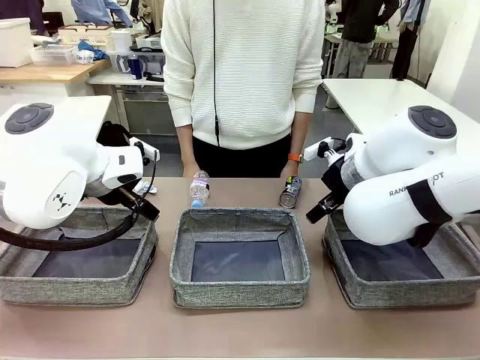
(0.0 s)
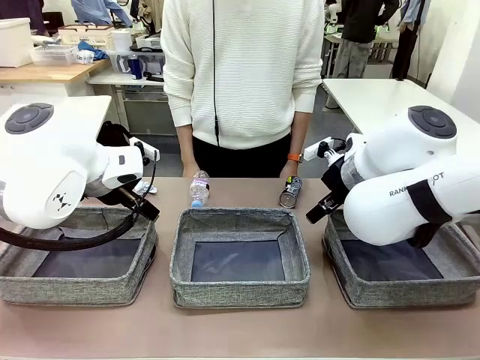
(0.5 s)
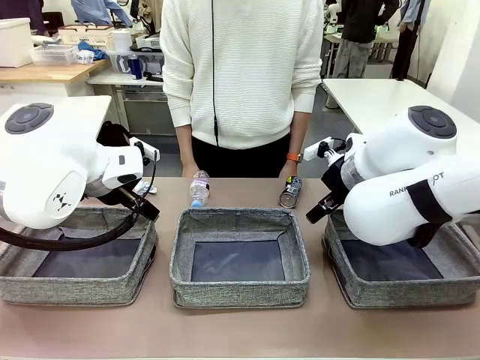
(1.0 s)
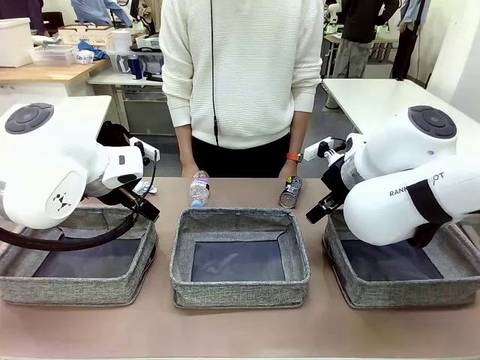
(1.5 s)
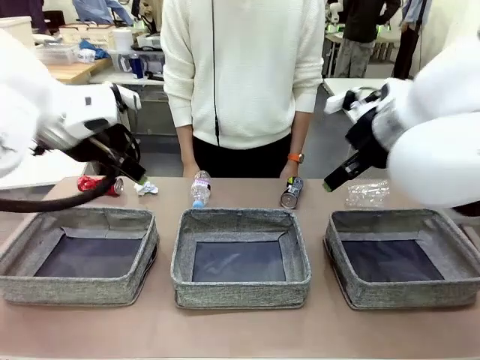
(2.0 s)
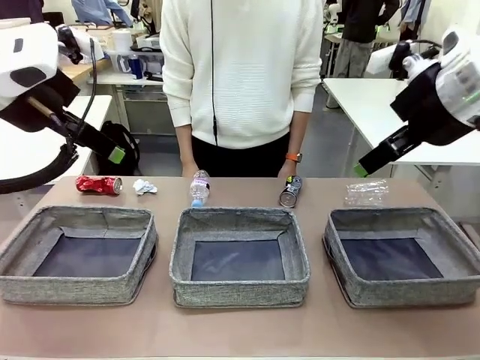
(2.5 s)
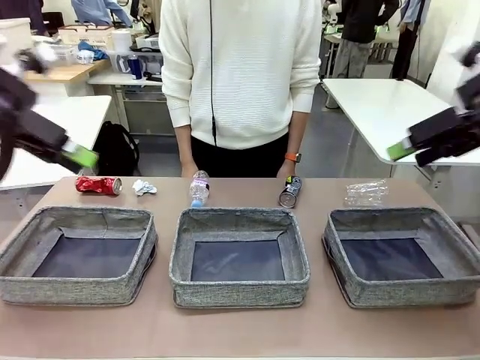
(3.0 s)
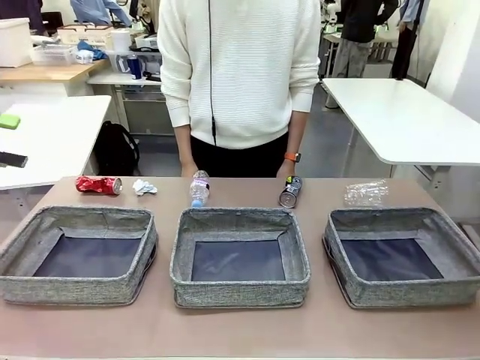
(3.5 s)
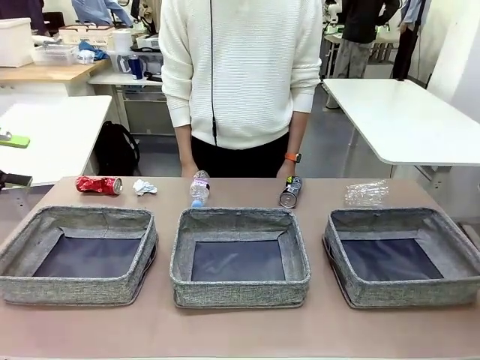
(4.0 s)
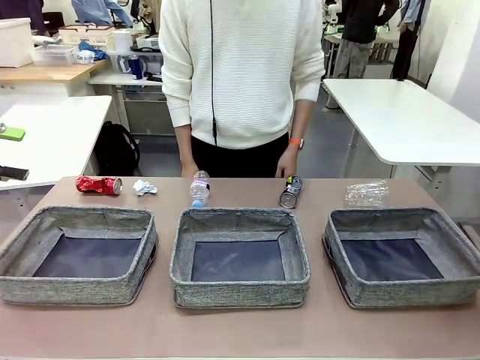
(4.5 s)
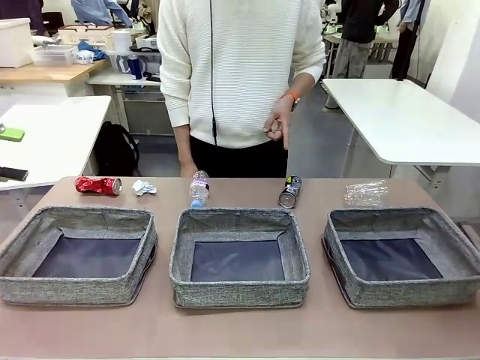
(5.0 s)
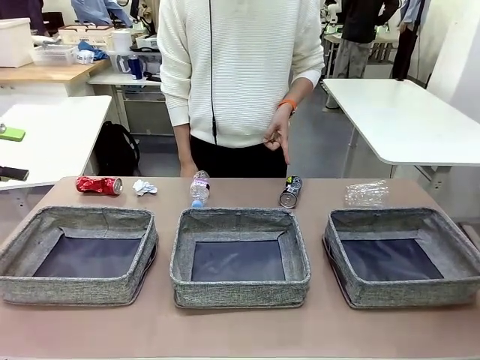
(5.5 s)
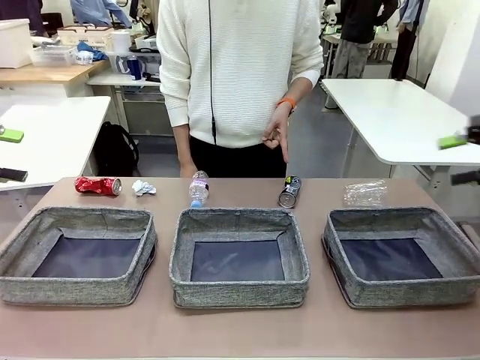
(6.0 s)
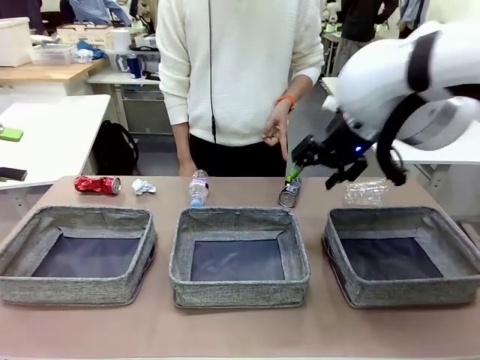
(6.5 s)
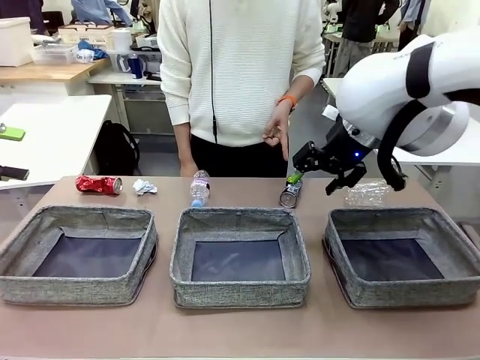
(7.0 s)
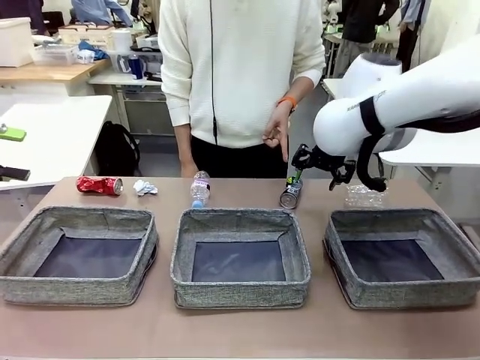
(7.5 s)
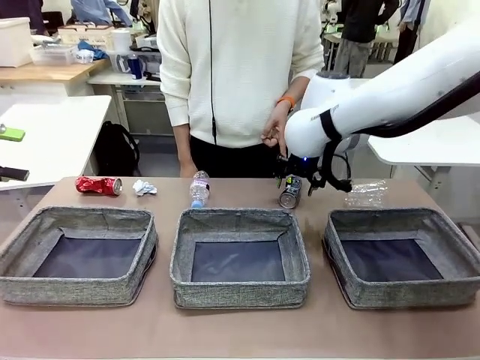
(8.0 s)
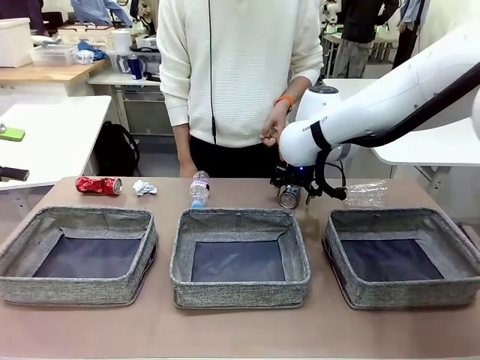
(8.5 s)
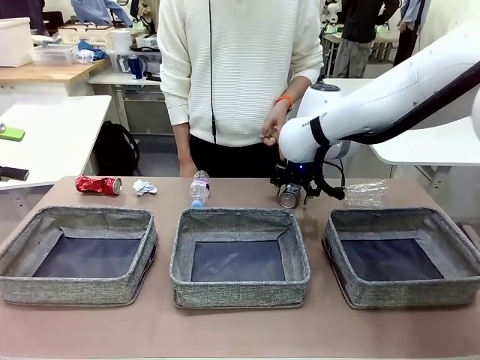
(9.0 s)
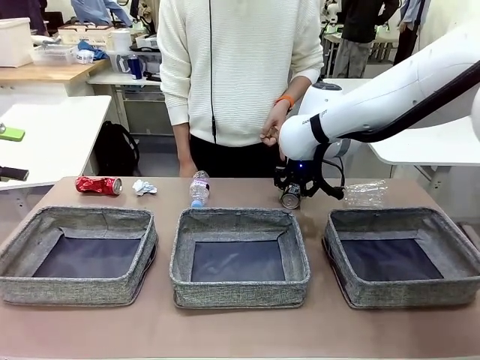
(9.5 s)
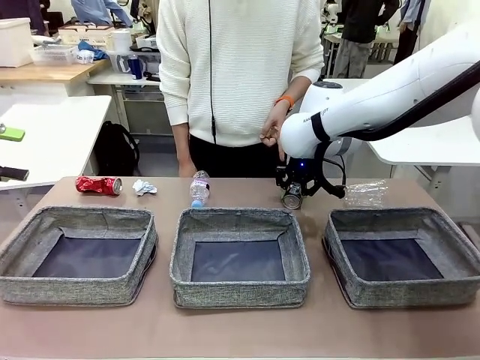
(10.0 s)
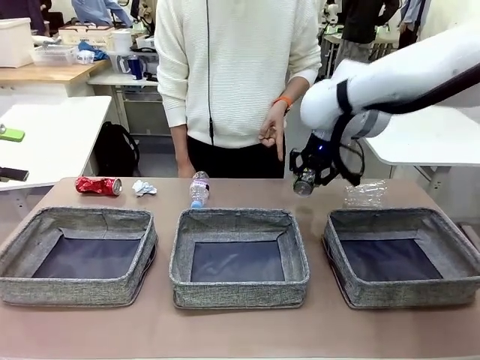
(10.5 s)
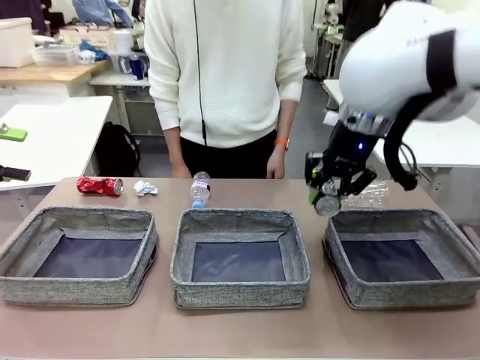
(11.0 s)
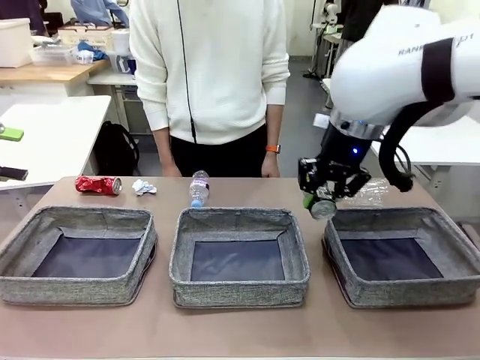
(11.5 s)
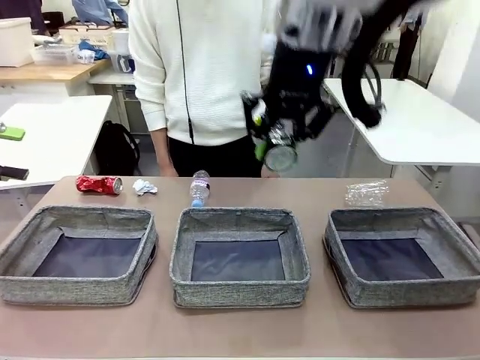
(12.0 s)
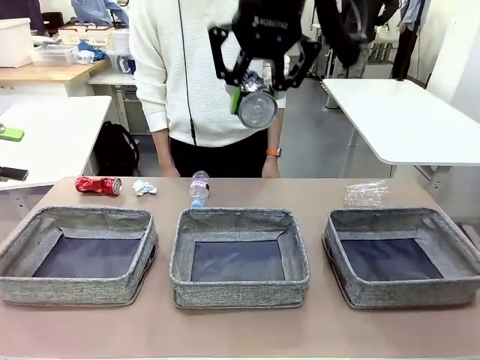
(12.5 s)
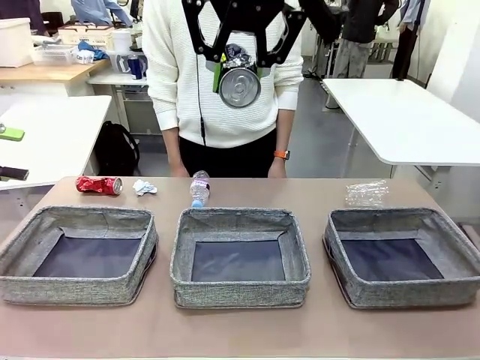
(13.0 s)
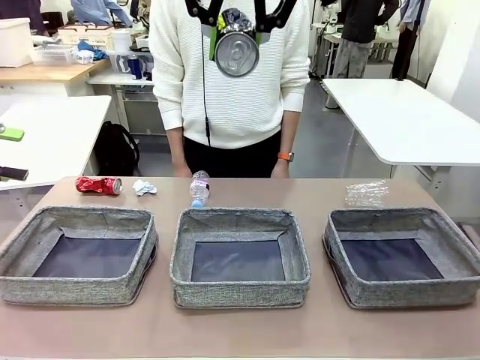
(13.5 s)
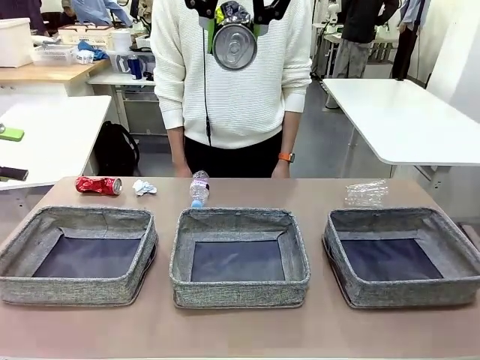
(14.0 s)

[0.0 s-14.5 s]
Task: Sort the waste into the appropriate baskets.
Robot: Pick up the waste item pointed out by the person.
Person: Points to one piece of trash on the table.

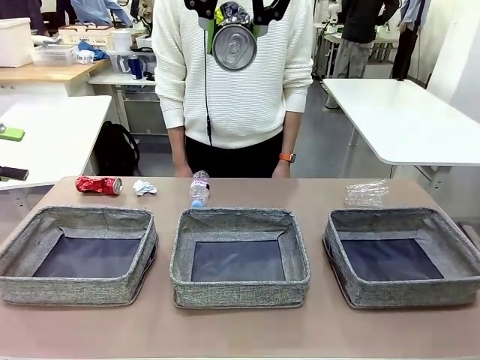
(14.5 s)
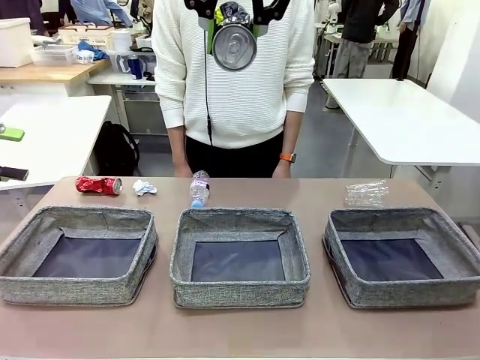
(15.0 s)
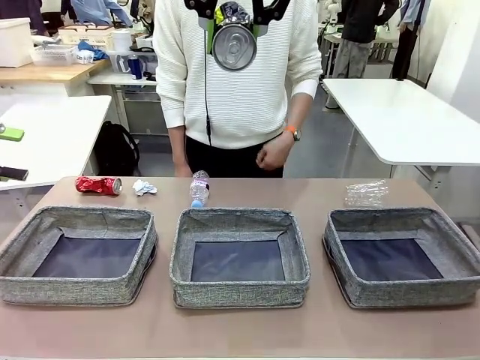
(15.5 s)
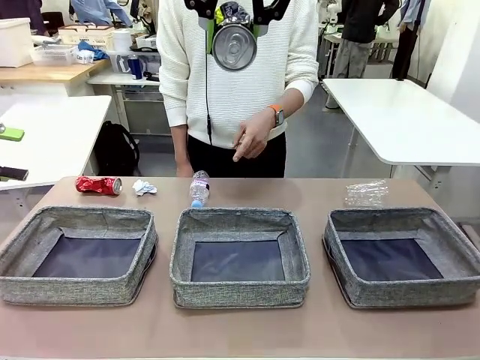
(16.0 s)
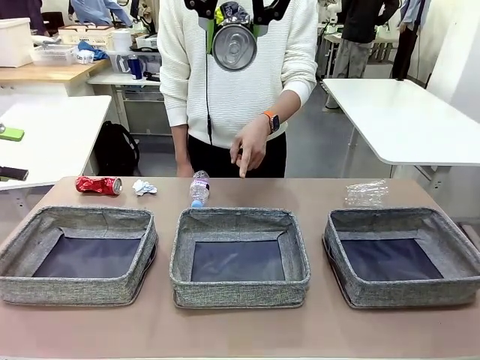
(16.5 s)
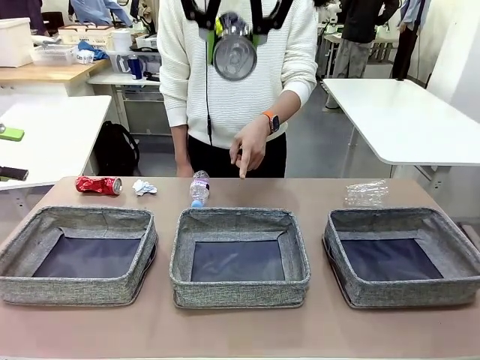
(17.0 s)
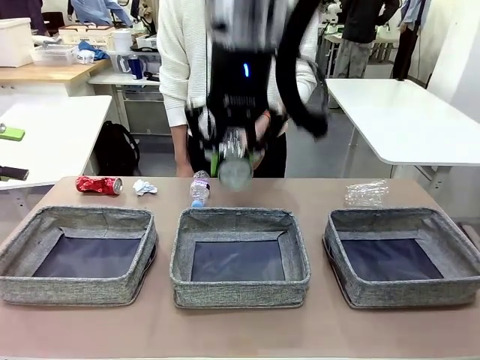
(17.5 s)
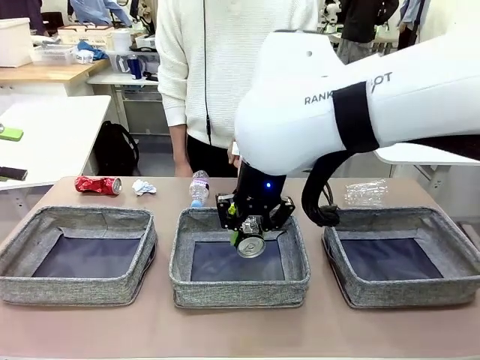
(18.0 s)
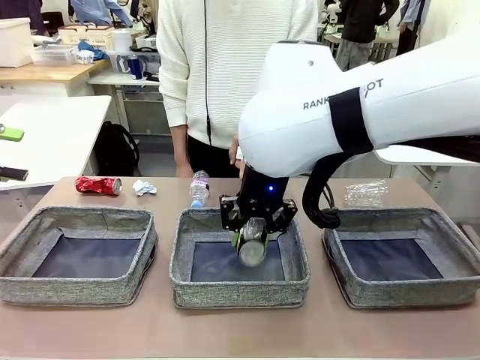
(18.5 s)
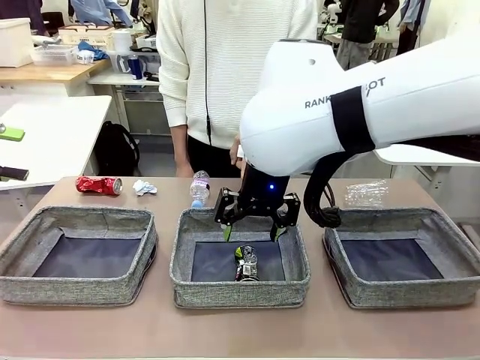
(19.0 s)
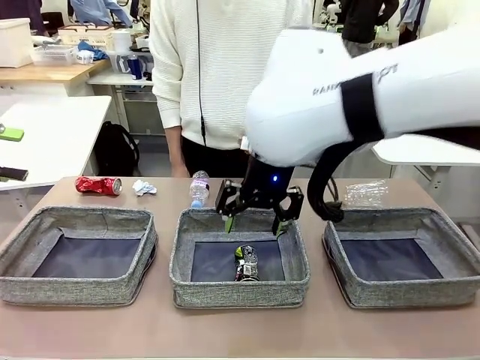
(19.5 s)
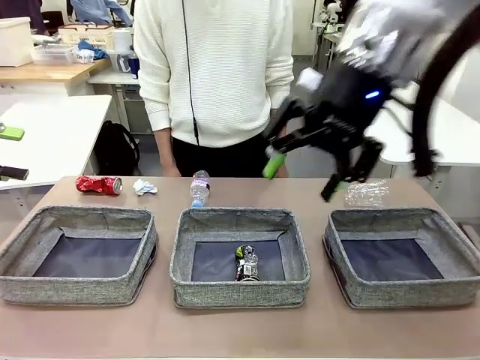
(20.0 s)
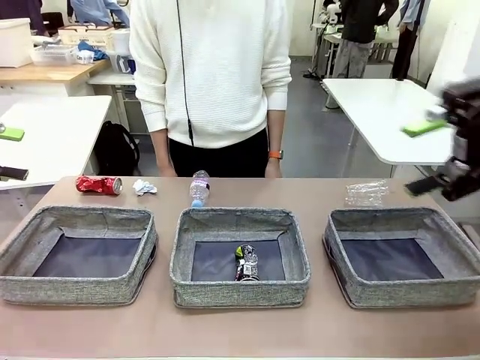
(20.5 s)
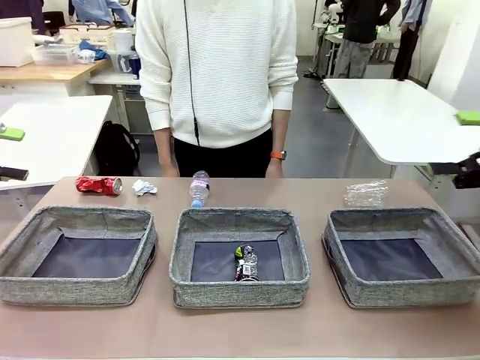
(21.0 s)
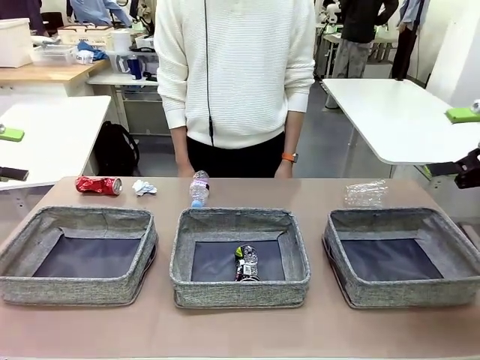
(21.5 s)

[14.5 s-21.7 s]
Robot: Place the picked waste into the Fabric basket indicated by the person.
Person: Instructs the robot to place the picked-up trash into the appropriate organizing basket.
